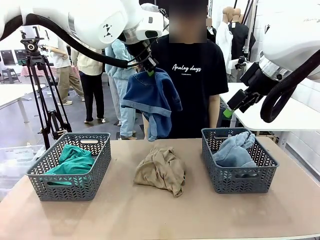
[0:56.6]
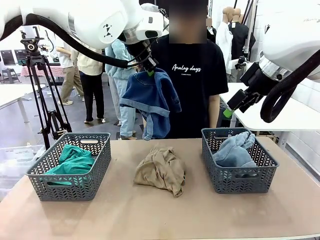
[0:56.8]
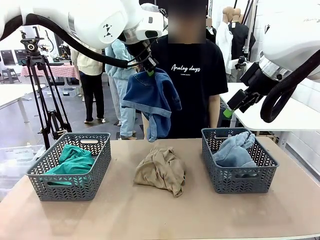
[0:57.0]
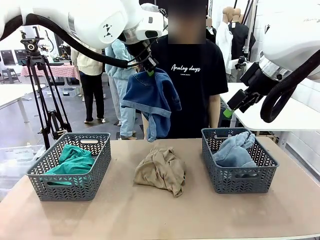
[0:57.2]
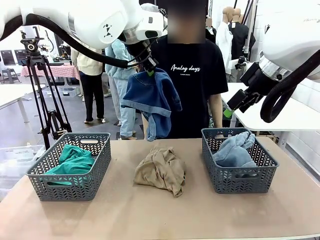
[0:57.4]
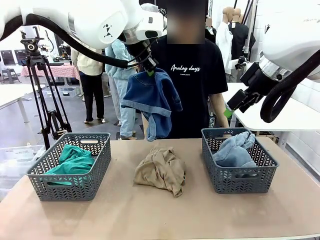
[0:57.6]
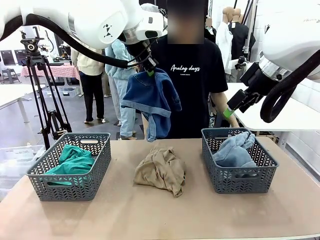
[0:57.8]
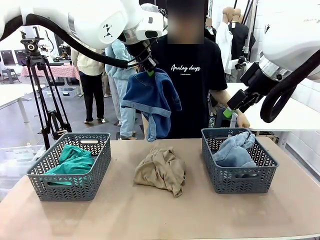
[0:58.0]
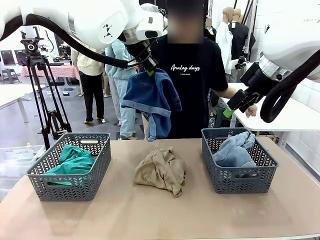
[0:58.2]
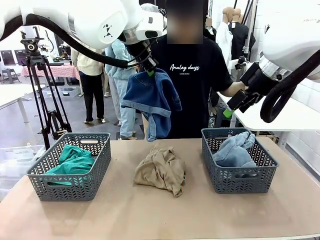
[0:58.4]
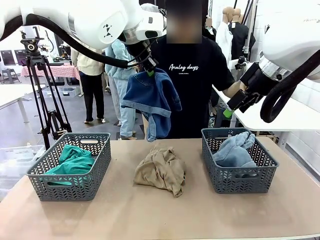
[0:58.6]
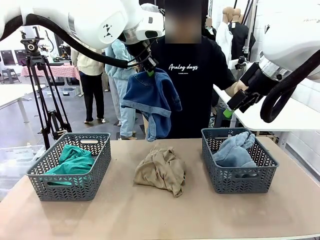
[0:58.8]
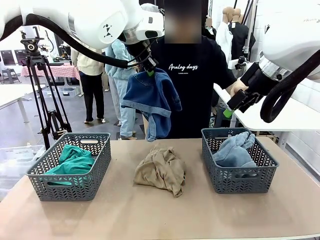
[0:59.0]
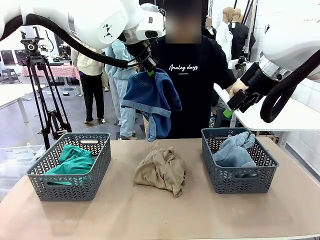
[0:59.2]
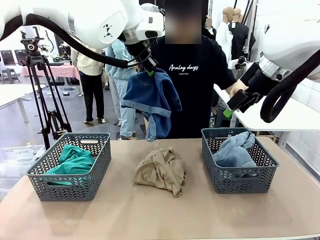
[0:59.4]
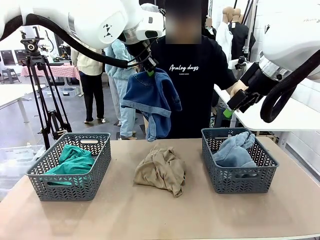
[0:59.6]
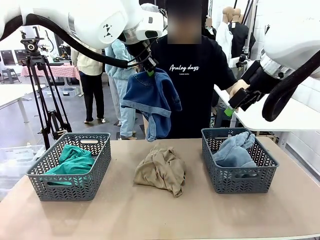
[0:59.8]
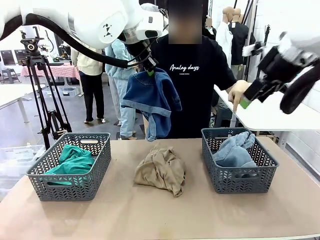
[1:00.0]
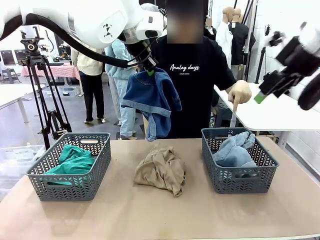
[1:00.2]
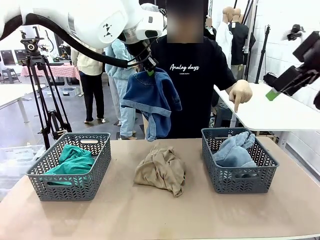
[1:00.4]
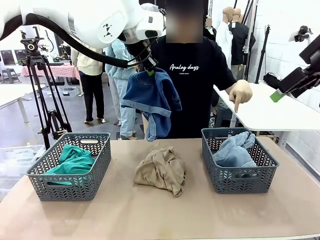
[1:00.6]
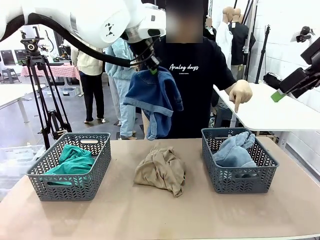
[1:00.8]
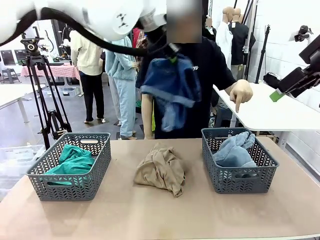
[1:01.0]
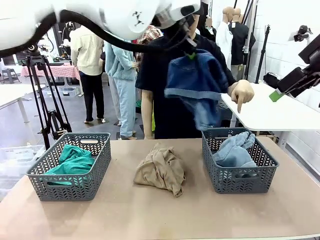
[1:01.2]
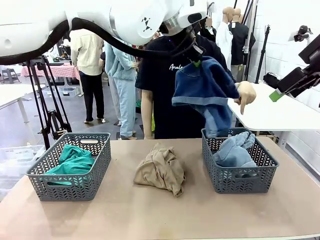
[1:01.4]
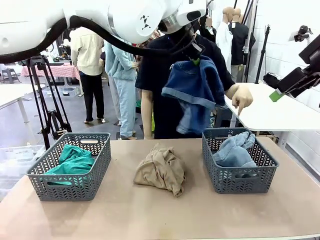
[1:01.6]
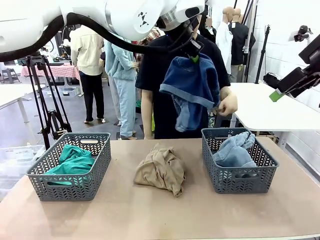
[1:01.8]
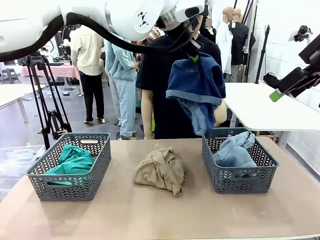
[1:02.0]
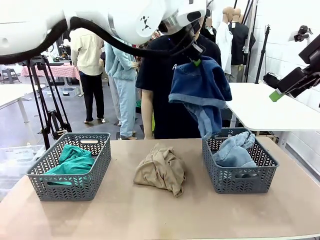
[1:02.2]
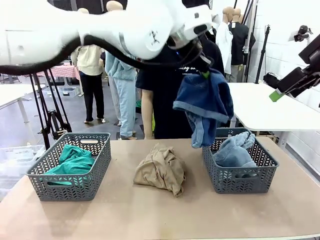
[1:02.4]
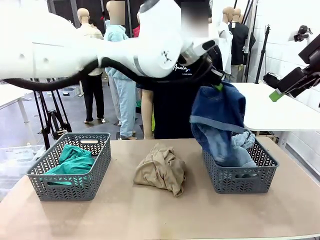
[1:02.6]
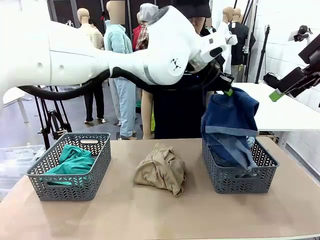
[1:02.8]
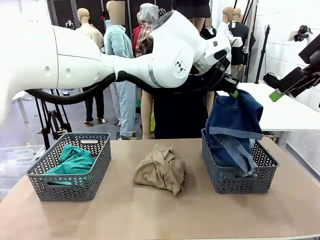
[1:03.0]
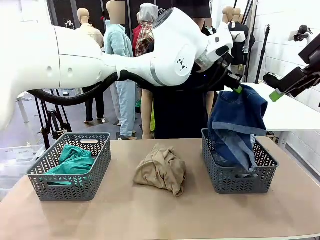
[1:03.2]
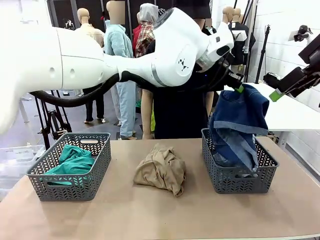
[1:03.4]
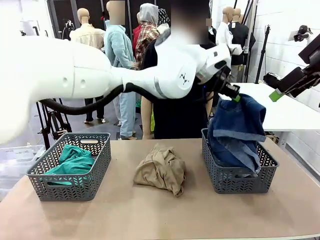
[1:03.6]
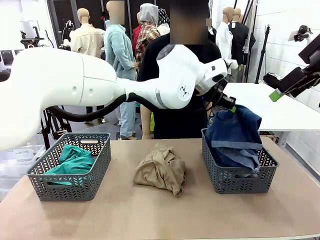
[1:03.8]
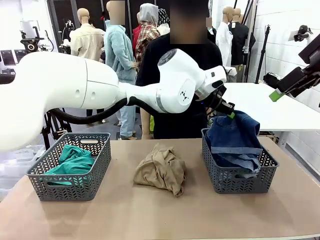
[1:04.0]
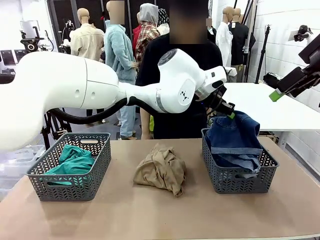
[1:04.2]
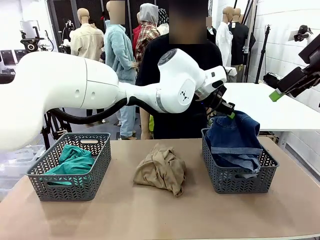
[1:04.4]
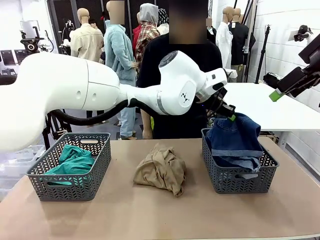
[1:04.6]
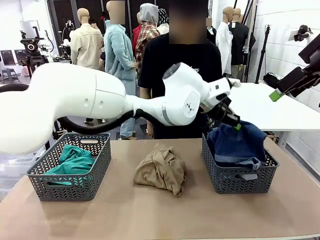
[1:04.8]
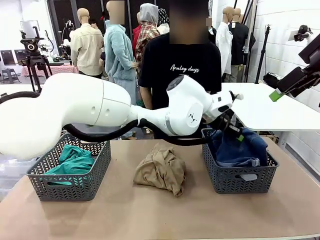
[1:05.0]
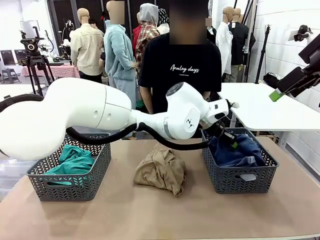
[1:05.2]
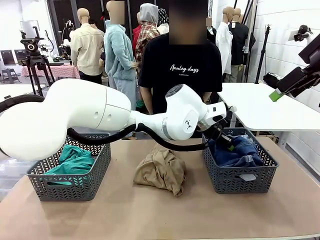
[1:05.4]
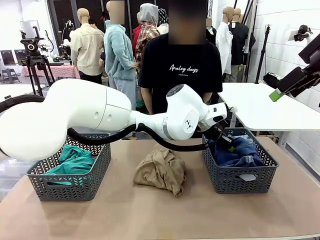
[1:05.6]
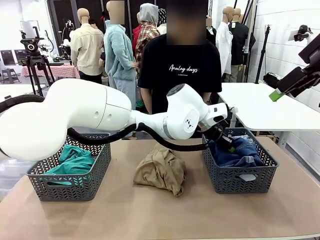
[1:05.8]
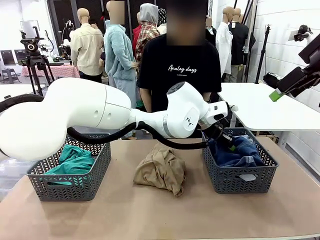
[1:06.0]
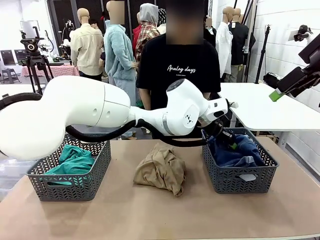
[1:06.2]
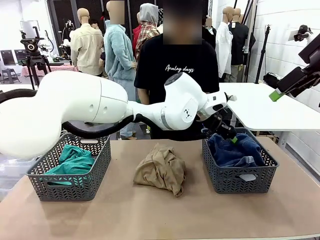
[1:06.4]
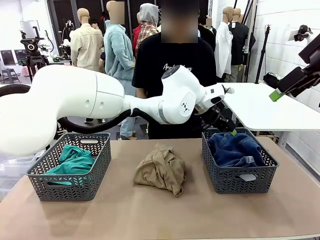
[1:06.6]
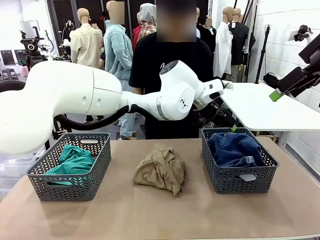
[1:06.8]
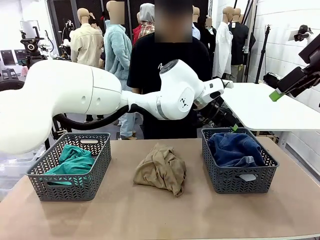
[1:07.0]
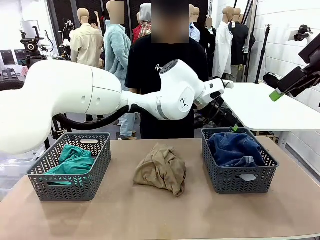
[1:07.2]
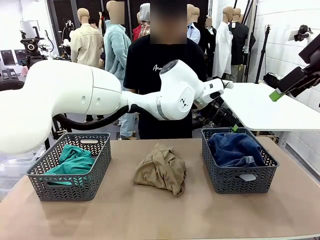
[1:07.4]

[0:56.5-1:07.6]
Task: Sort the tops and bottoms.
Robot: Sort the clothes according to human instructions.

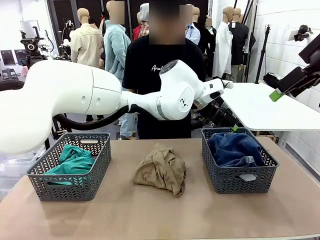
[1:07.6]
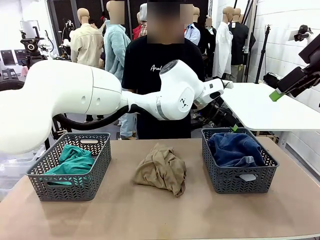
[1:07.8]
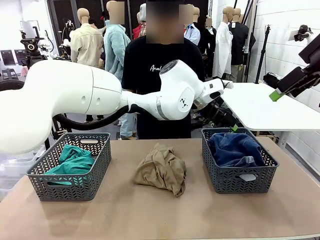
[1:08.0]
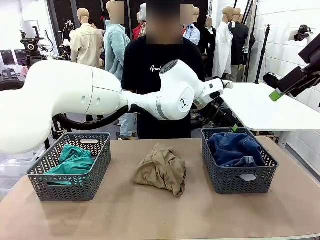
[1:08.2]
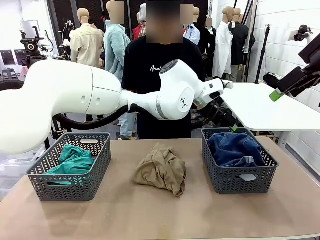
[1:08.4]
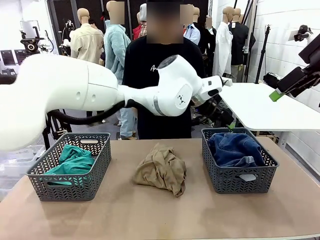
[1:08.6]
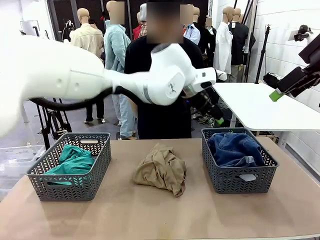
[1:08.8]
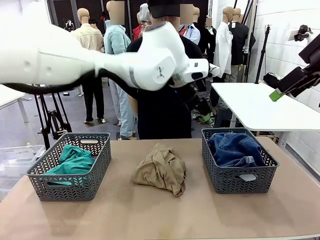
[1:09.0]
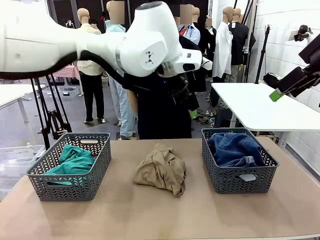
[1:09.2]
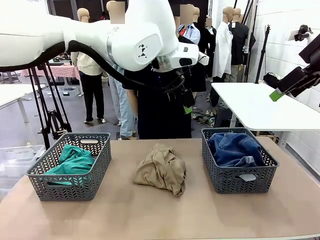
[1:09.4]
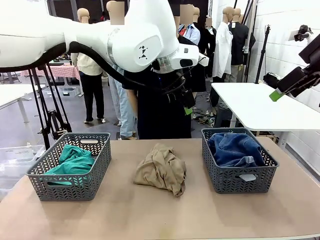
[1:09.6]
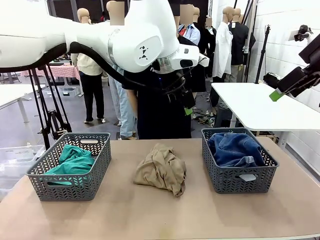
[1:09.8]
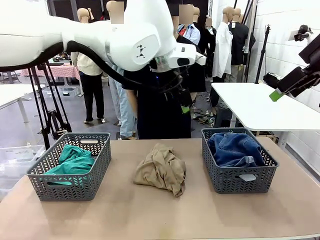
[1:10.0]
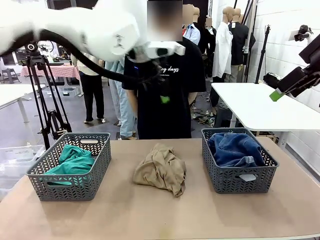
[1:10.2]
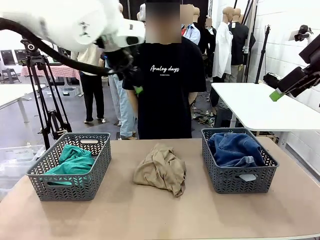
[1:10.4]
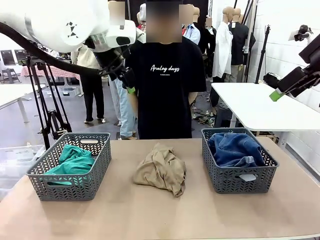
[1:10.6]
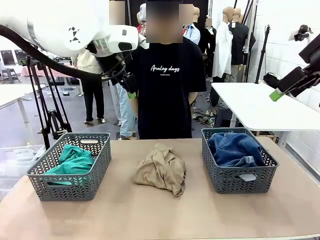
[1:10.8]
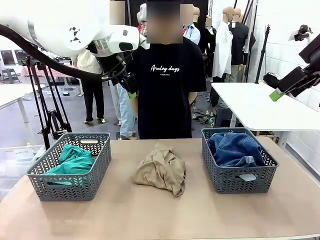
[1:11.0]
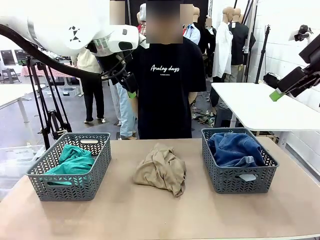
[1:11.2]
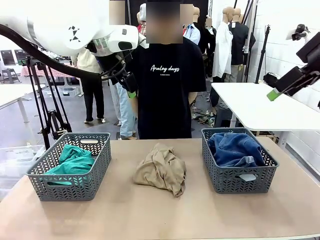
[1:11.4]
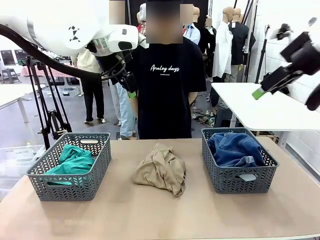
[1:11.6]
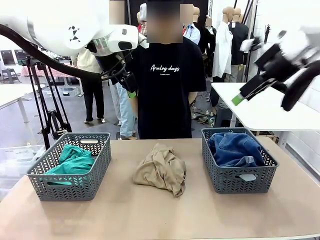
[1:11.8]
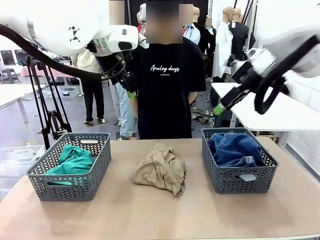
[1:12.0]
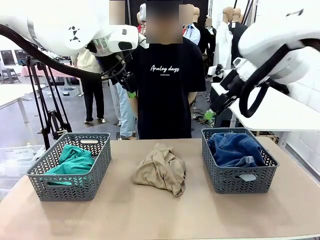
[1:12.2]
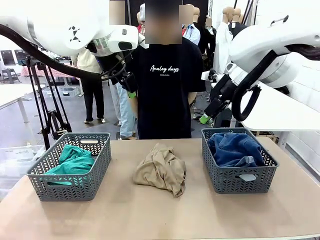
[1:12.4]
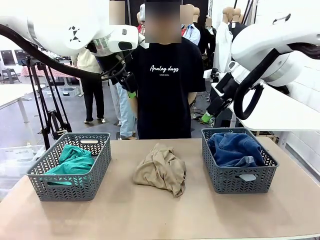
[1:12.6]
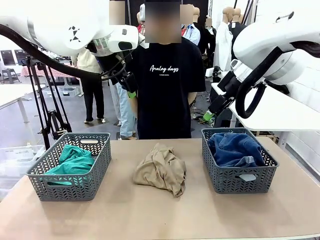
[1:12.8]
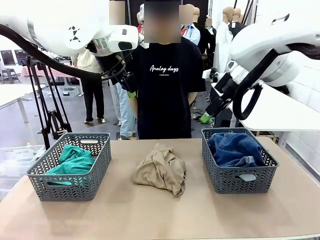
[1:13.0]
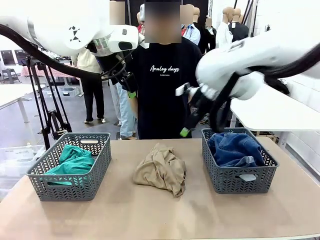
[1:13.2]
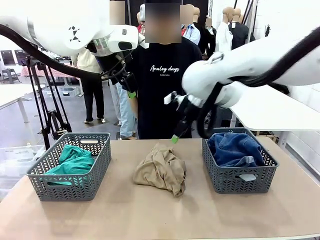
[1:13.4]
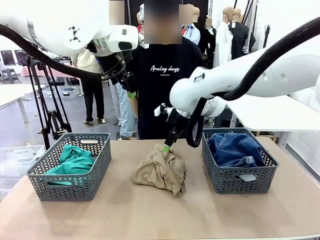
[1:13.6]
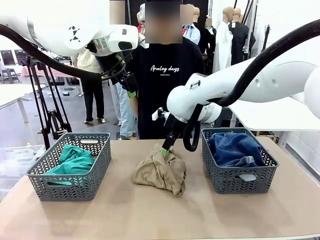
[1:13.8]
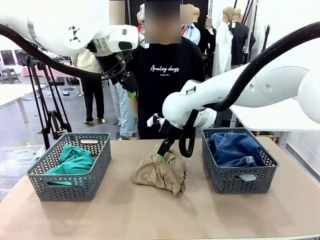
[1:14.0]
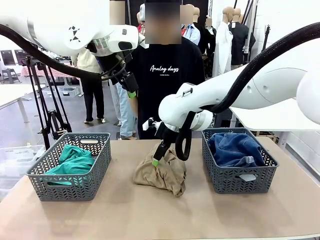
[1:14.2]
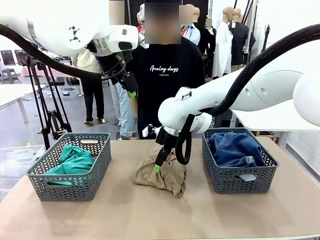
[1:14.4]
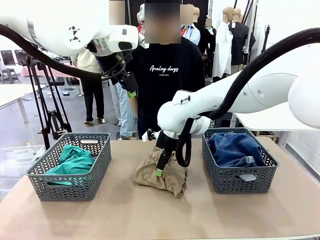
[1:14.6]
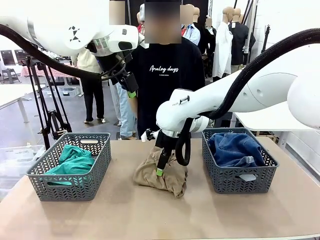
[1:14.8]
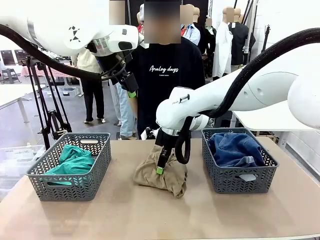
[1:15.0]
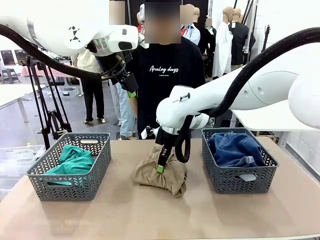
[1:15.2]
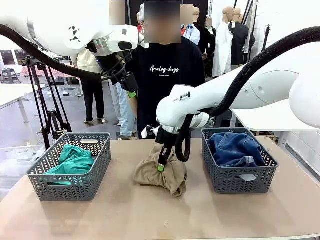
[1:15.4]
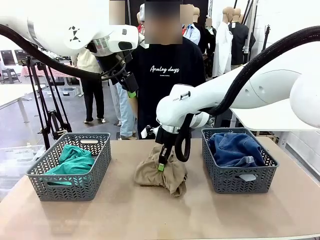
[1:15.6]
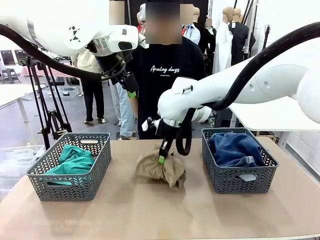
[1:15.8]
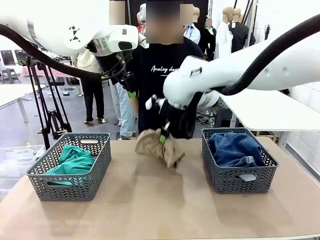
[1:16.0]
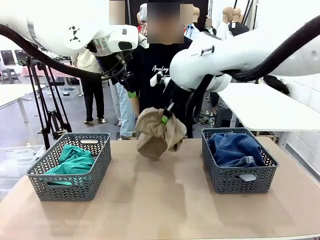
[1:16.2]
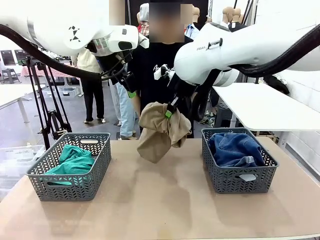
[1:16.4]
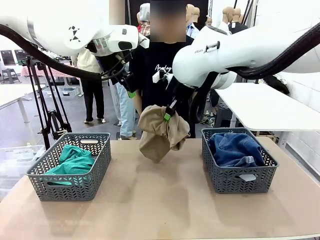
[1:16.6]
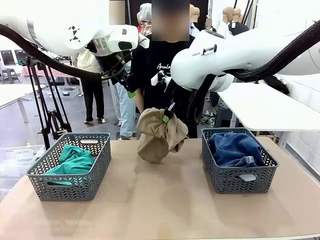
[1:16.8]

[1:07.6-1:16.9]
Robot: Lift clothes from the center of the table with your right hand.
